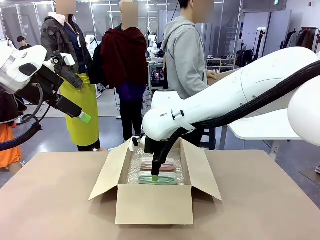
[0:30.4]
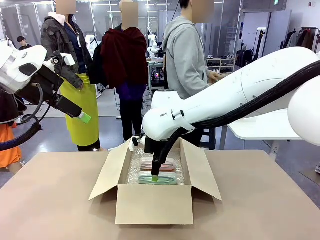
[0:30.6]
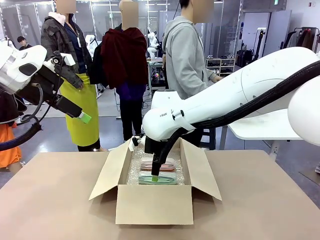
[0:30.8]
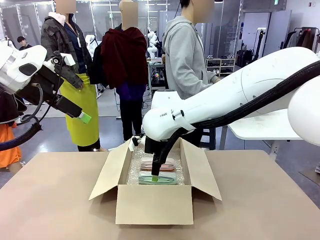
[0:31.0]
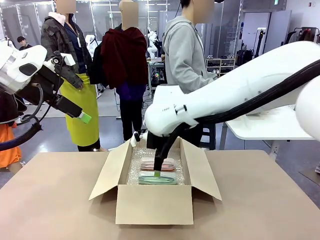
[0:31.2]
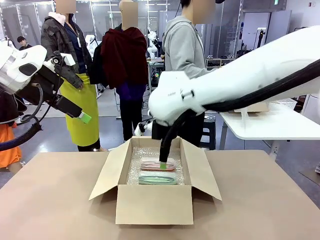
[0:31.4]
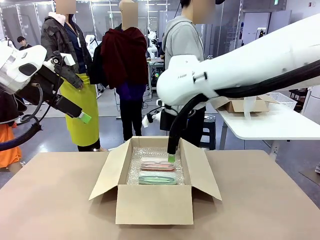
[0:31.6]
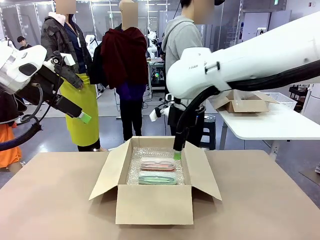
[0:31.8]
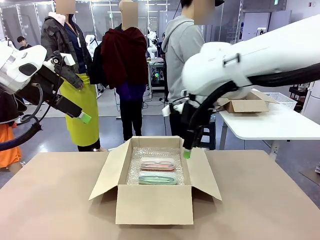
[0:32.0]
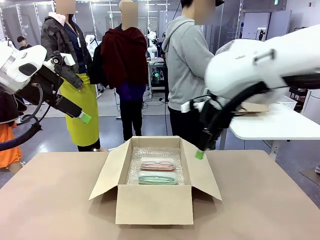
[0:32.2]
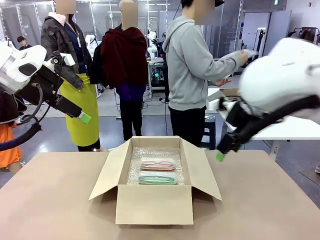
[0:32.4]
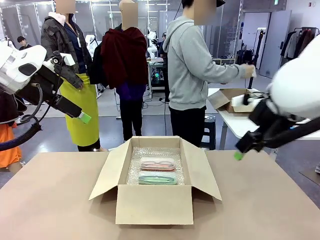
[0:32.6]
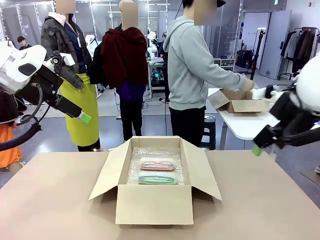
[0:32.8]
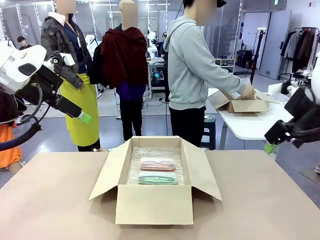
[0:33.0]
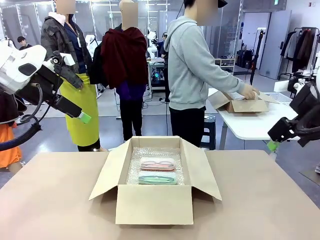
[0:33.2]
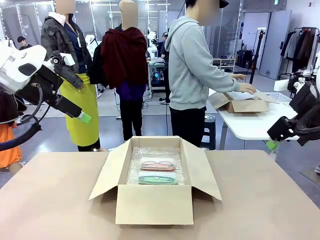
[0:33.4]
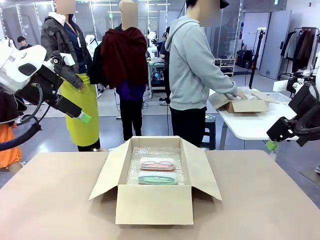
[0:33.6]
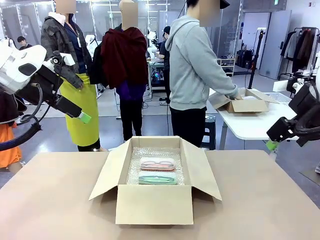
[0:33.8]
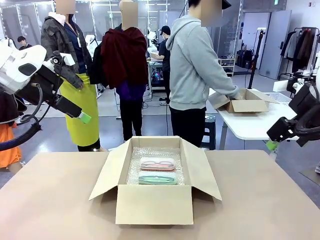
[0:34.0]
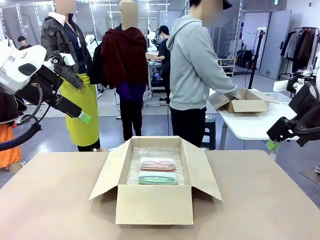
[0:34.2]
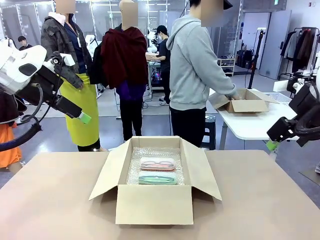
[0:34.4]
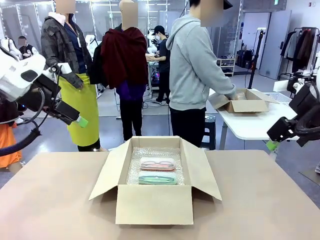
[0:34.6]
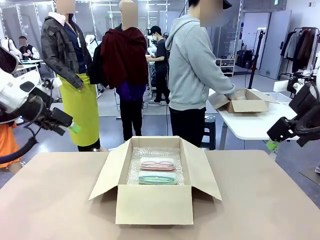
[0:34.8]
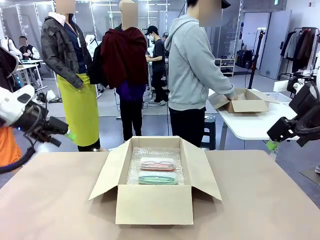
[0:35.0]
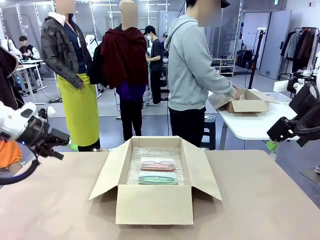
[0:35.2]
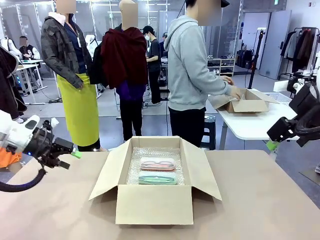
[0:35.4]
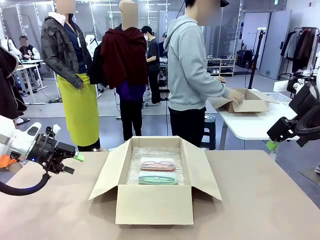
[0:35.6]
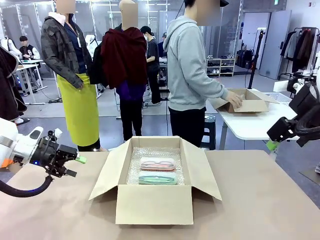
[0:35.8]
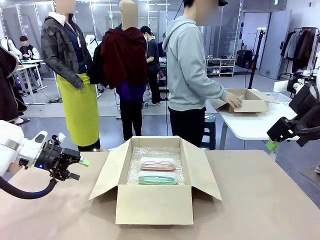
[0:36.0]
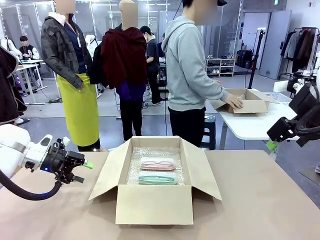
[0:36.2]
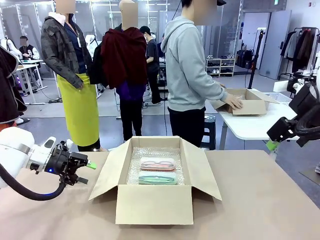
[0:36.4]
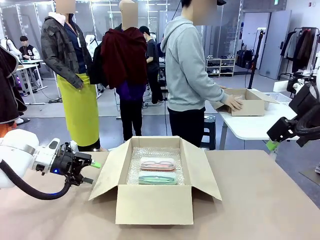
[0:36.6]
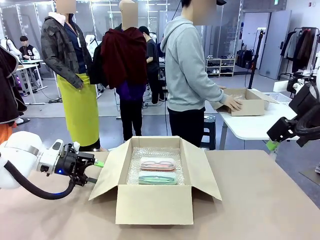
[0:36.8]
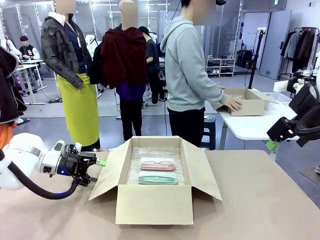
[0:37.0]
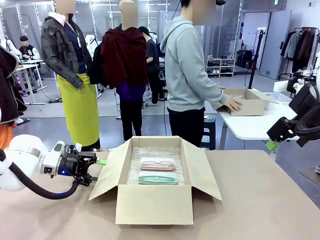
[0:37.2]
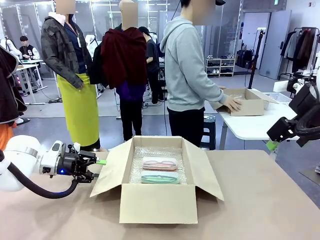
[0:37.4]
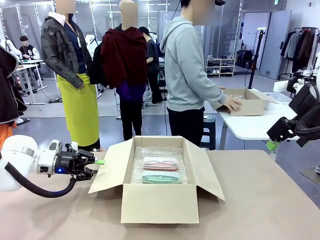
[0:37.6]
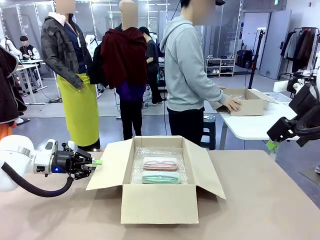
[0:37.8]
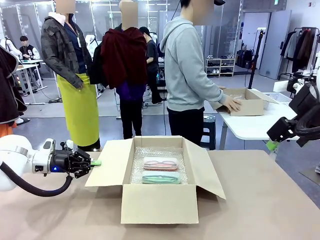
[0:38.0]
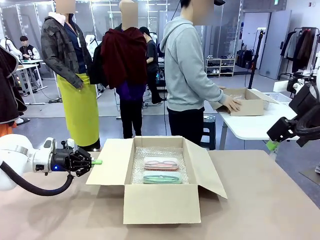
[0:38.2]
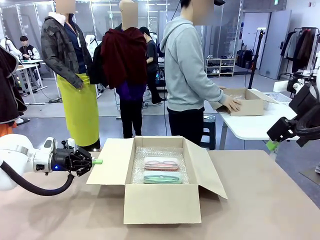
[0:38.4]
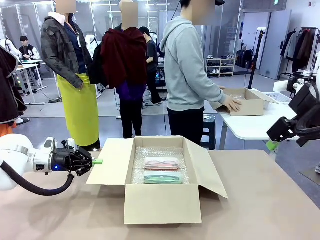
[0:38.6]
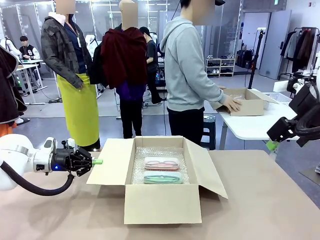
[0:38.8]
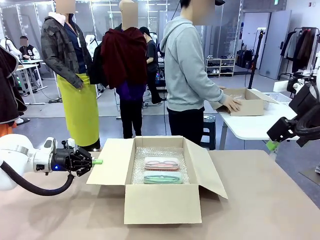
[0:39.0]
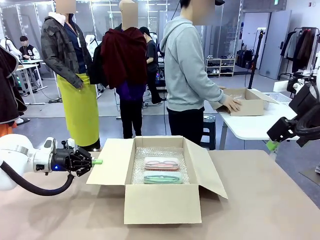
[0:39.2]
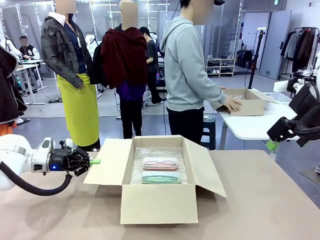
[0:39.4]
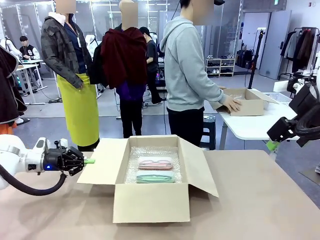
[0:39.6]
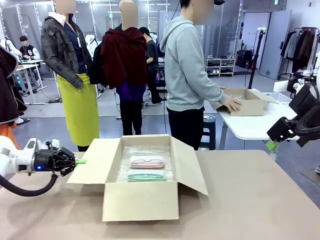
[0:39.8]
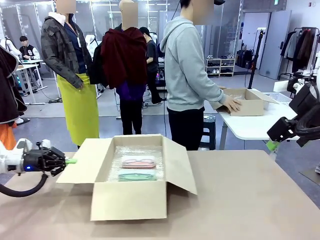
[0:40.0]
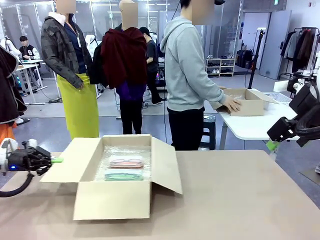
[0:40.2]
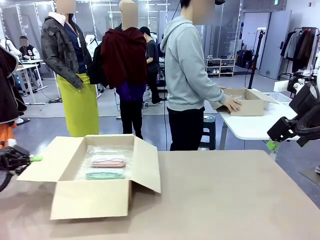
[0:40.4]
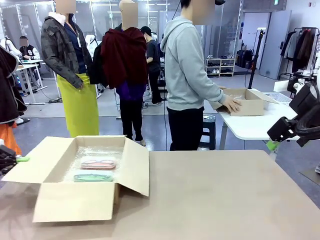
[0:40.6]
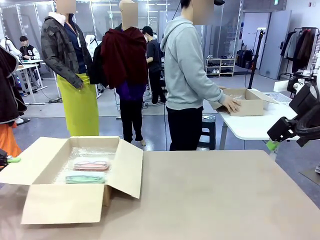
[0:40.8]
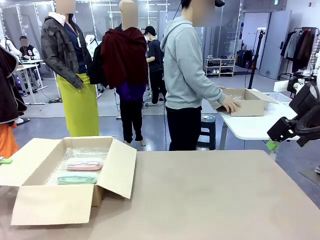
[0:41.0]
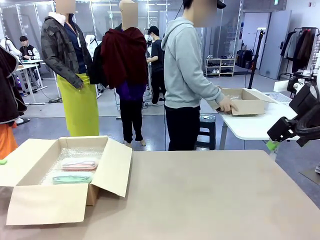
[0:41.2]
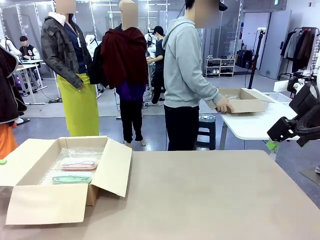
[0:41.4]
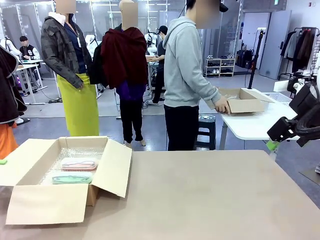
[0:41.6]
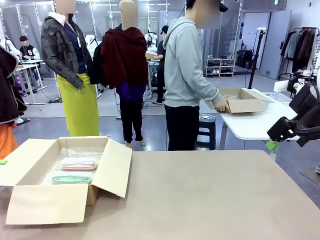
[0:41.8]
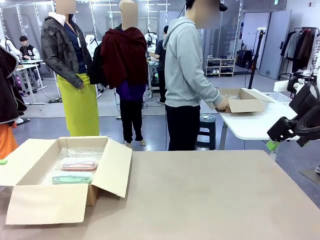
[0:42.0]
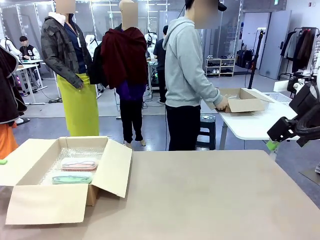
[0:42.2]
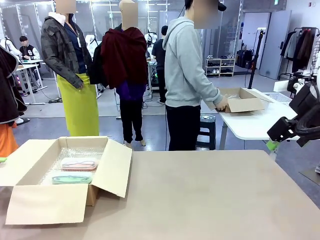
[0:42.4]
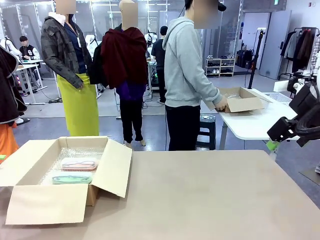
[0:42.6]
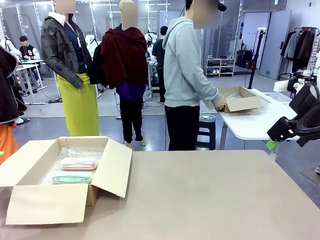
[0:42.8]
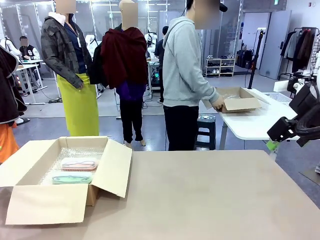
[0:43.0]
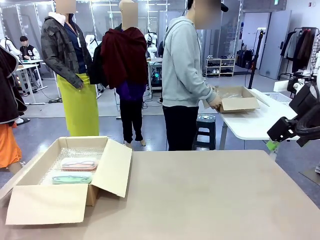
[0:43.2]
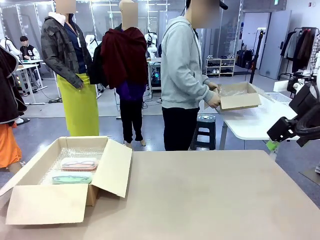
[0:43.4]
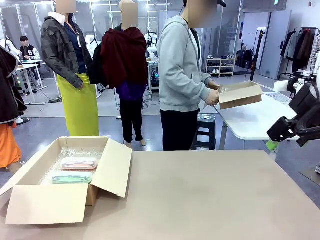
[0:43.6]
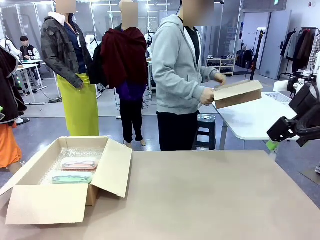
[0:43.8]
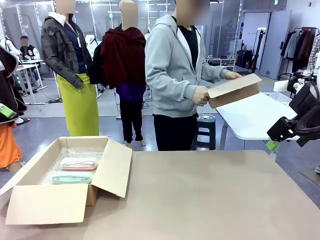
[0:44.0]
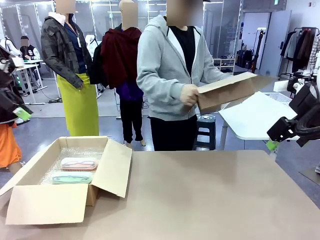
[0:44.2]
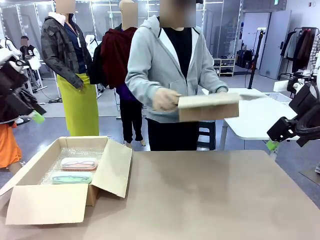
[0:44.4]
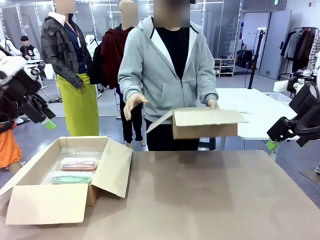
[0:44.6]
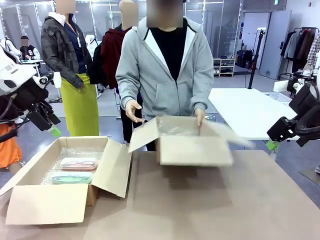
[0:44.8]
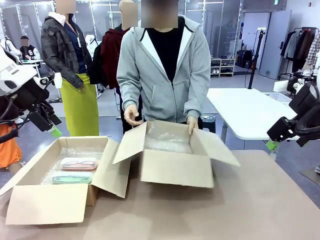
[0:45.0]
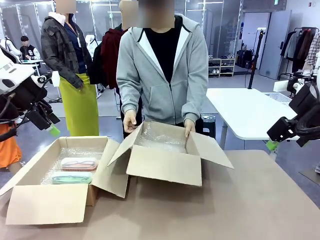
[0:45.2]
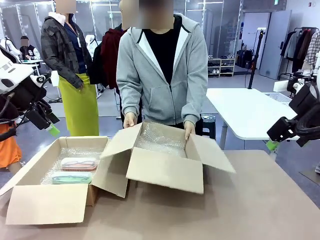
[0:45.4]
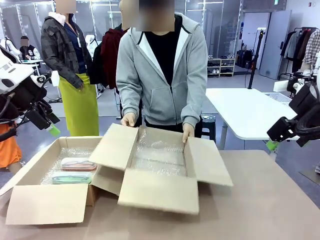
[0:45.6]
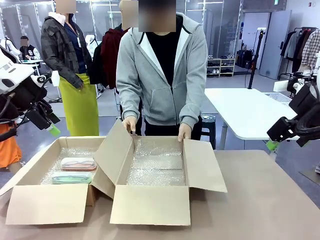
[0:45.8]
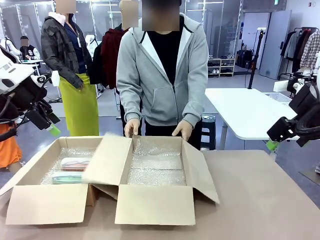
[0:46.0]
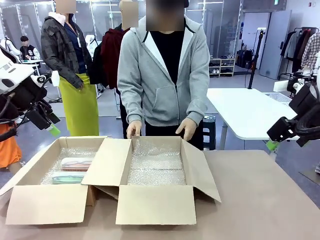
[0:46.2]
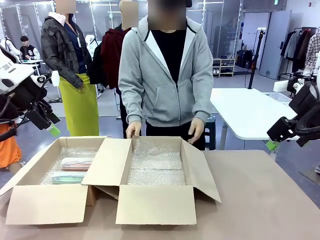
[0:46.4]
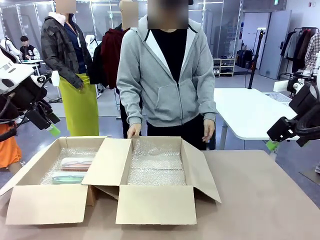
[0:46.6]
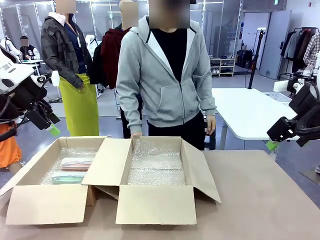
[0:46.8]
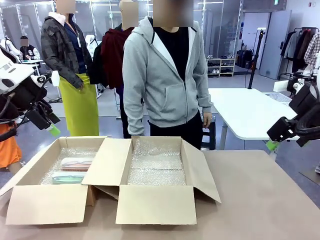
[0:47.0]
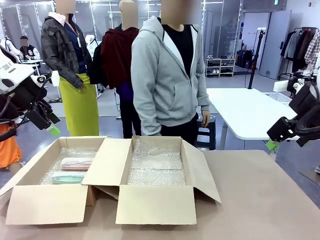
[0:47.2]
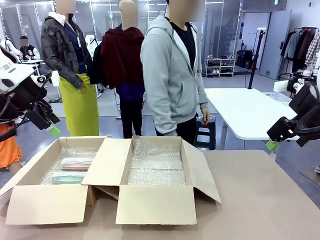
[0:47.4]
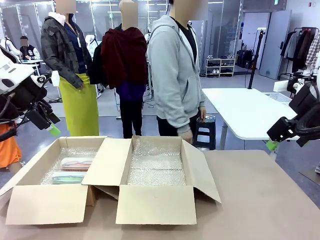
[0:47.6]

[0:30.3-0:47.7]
Task: Pack the glasses set securely to prepare it for shipping.
Robot: Position the Package Box on the left side of the table.
Person: Position the empty Package Box in the middle of the robot's table.
